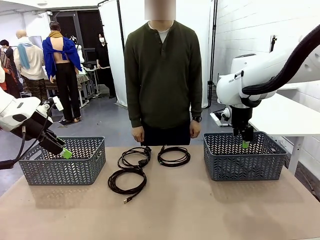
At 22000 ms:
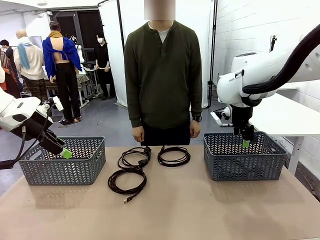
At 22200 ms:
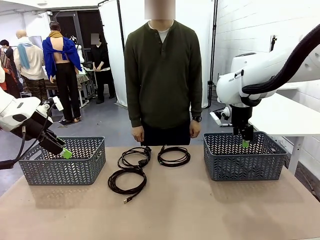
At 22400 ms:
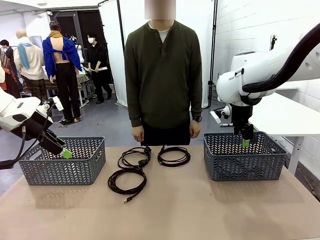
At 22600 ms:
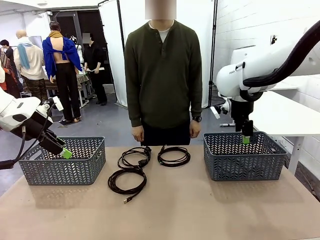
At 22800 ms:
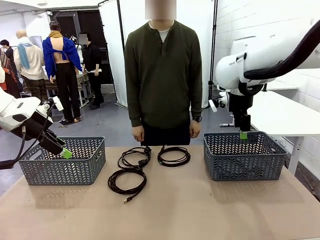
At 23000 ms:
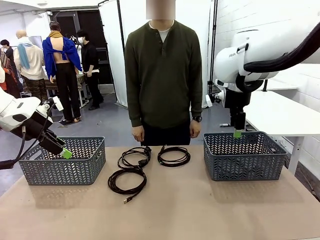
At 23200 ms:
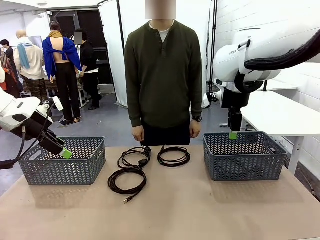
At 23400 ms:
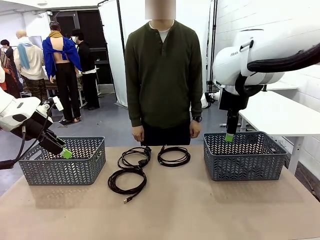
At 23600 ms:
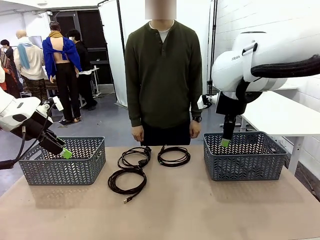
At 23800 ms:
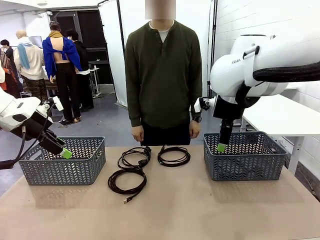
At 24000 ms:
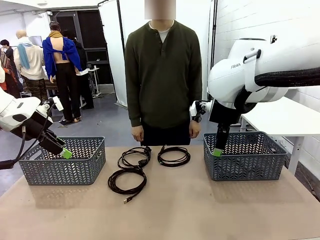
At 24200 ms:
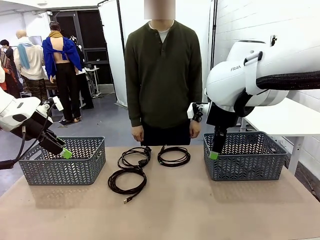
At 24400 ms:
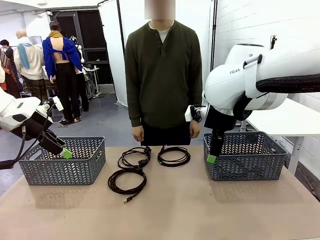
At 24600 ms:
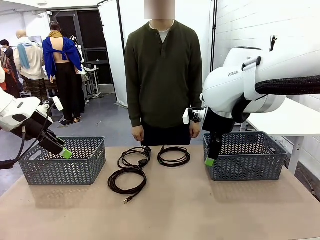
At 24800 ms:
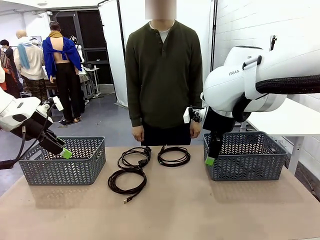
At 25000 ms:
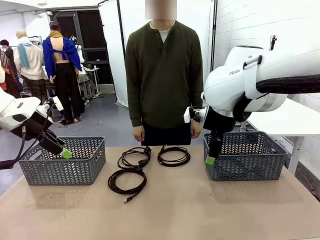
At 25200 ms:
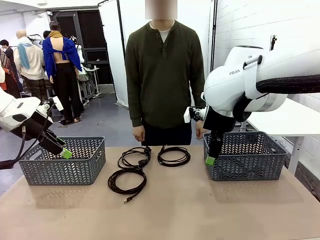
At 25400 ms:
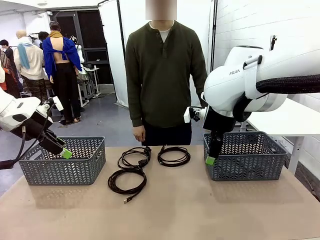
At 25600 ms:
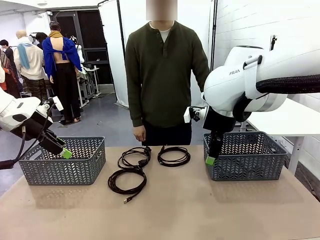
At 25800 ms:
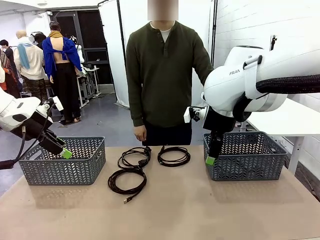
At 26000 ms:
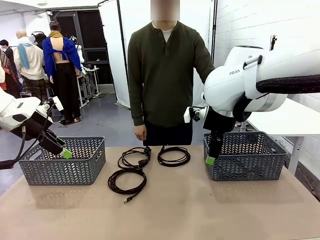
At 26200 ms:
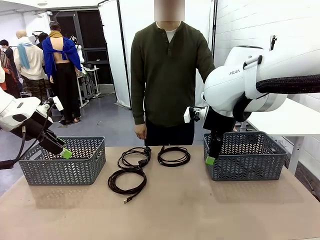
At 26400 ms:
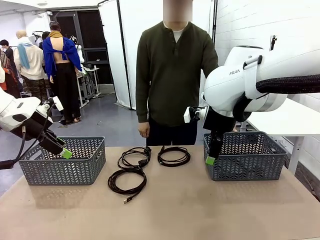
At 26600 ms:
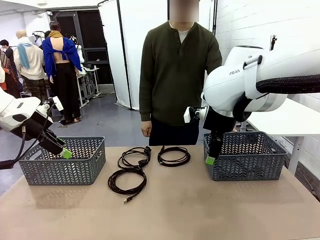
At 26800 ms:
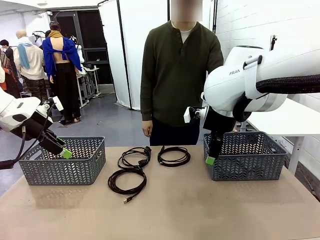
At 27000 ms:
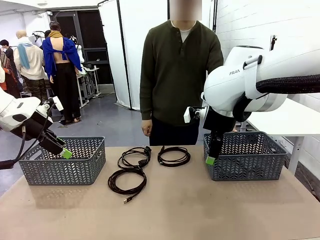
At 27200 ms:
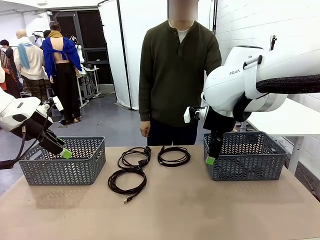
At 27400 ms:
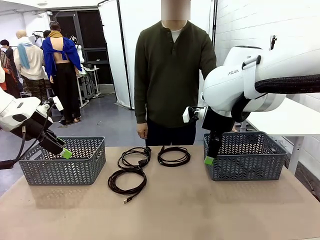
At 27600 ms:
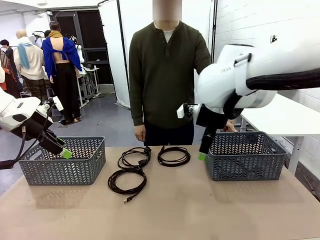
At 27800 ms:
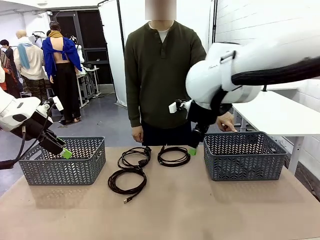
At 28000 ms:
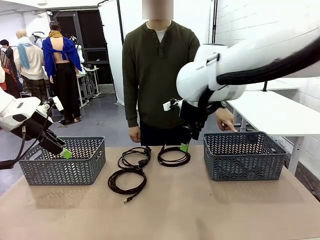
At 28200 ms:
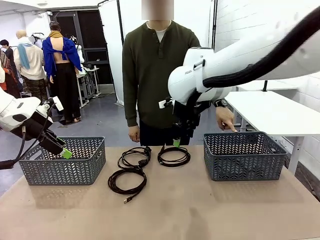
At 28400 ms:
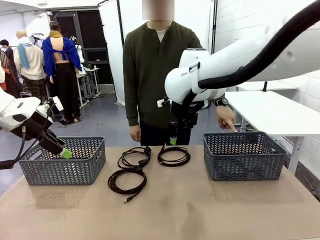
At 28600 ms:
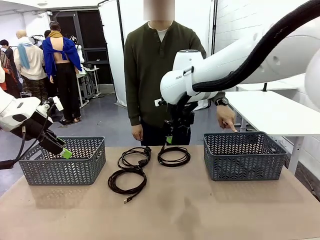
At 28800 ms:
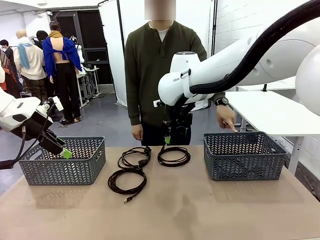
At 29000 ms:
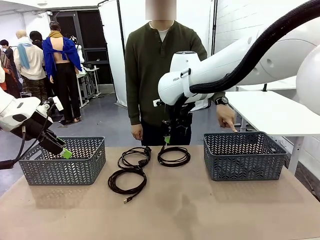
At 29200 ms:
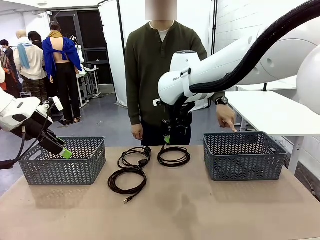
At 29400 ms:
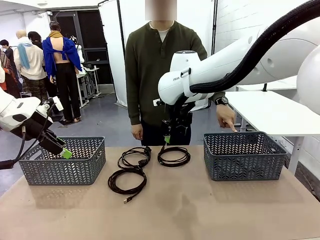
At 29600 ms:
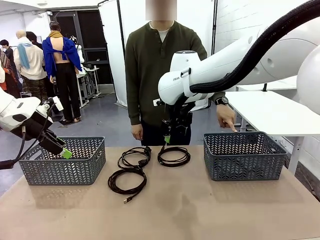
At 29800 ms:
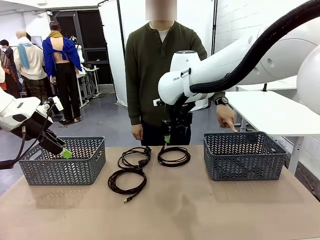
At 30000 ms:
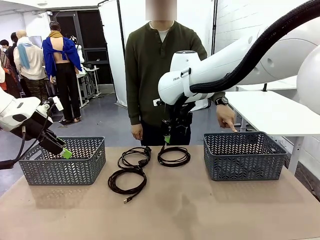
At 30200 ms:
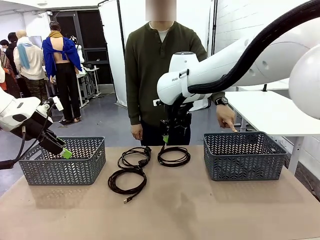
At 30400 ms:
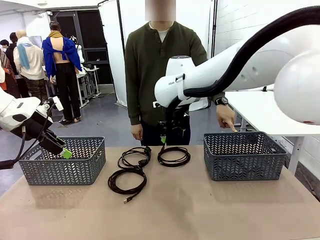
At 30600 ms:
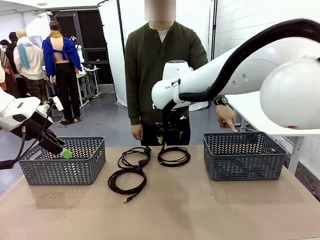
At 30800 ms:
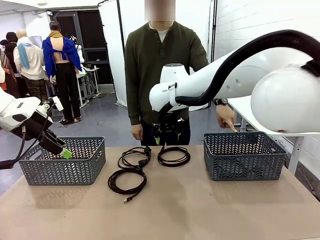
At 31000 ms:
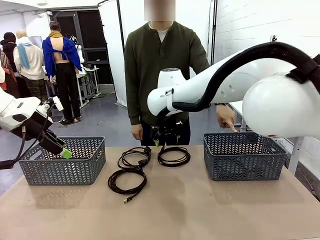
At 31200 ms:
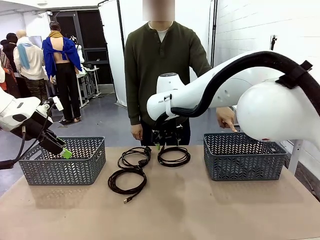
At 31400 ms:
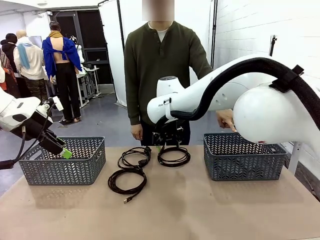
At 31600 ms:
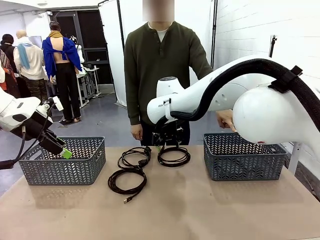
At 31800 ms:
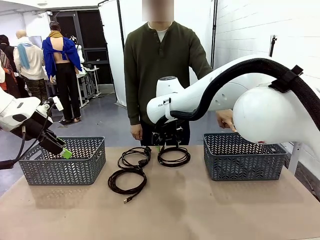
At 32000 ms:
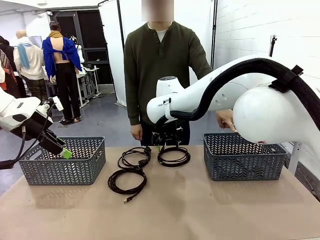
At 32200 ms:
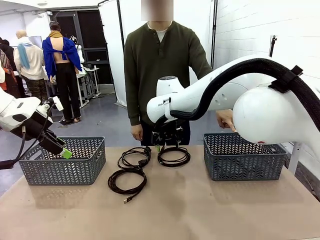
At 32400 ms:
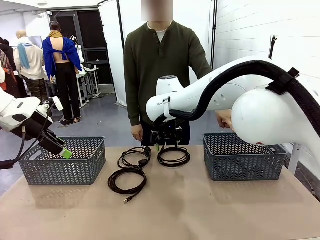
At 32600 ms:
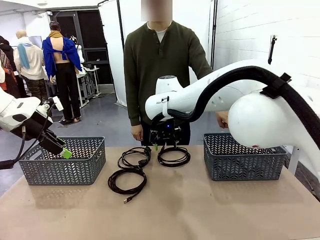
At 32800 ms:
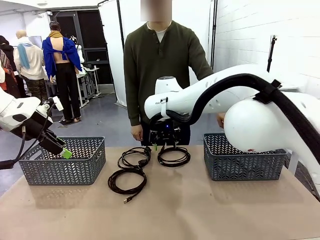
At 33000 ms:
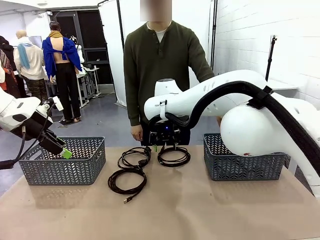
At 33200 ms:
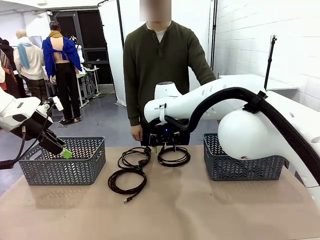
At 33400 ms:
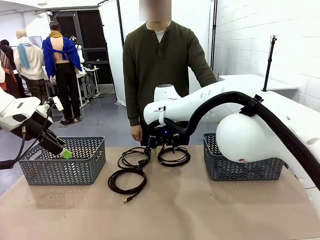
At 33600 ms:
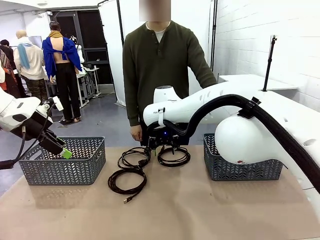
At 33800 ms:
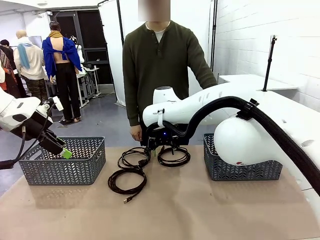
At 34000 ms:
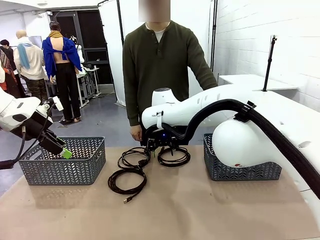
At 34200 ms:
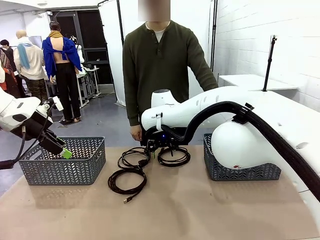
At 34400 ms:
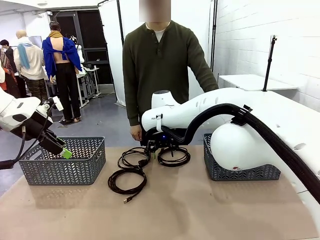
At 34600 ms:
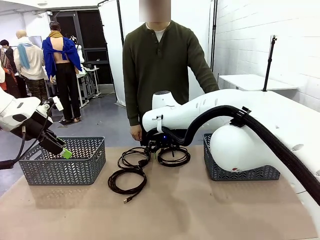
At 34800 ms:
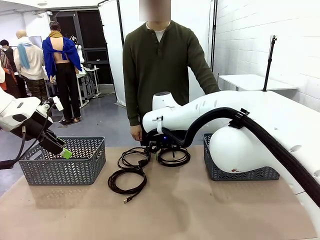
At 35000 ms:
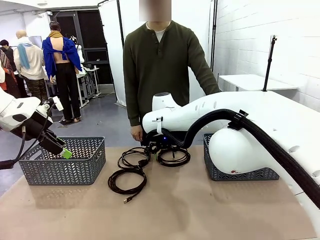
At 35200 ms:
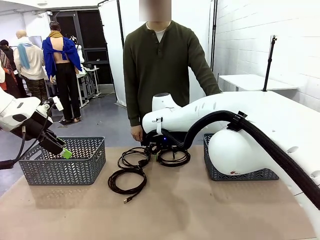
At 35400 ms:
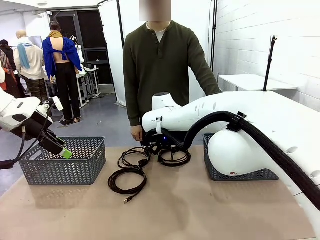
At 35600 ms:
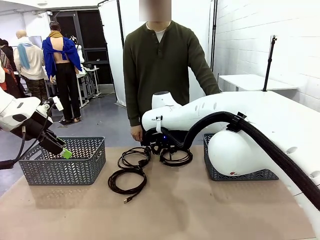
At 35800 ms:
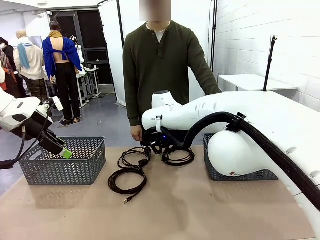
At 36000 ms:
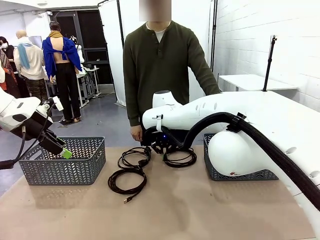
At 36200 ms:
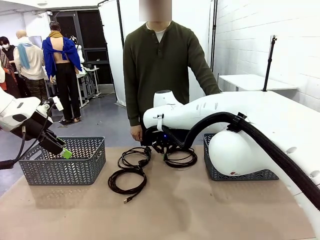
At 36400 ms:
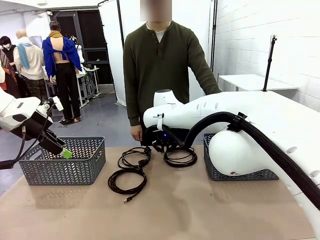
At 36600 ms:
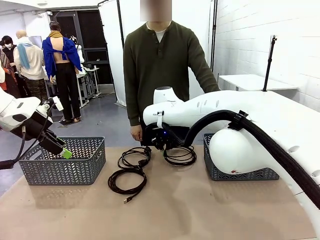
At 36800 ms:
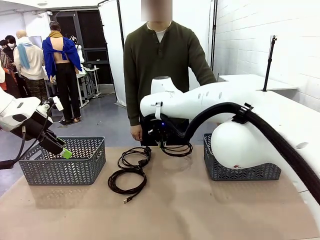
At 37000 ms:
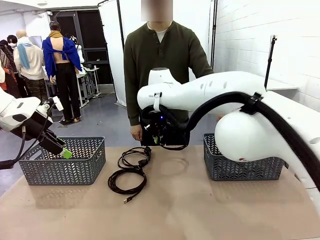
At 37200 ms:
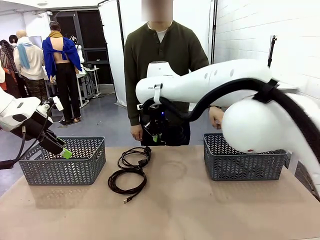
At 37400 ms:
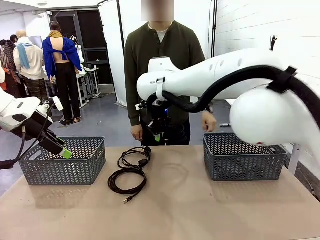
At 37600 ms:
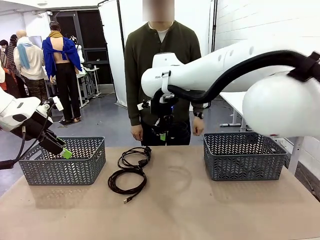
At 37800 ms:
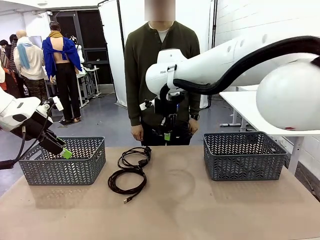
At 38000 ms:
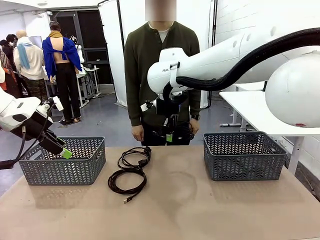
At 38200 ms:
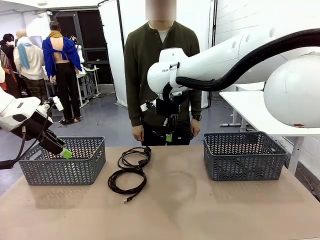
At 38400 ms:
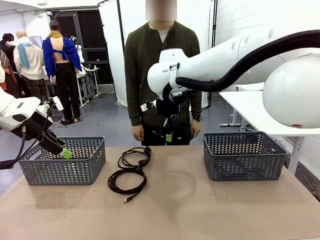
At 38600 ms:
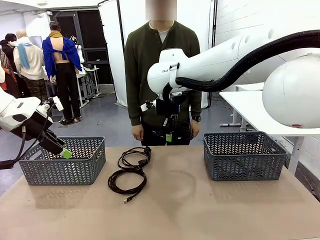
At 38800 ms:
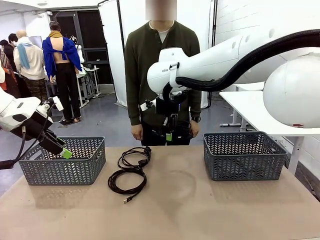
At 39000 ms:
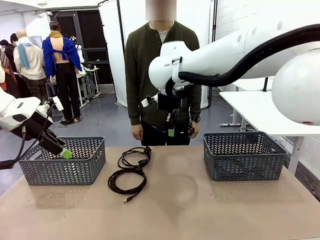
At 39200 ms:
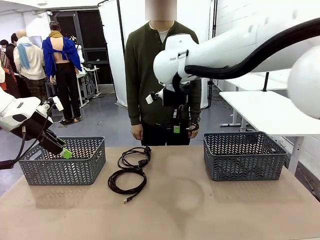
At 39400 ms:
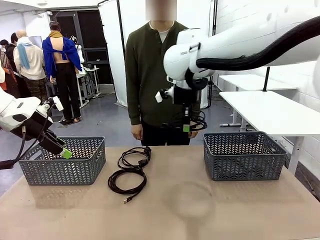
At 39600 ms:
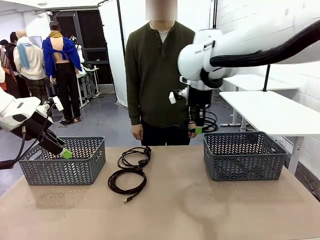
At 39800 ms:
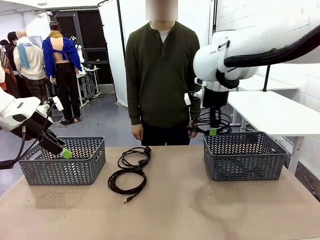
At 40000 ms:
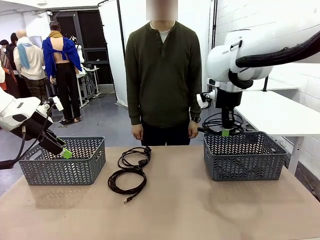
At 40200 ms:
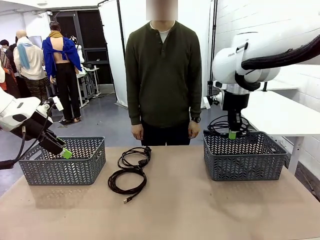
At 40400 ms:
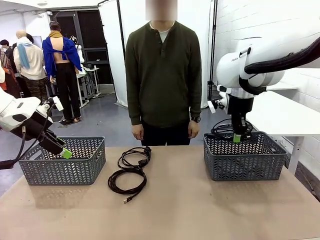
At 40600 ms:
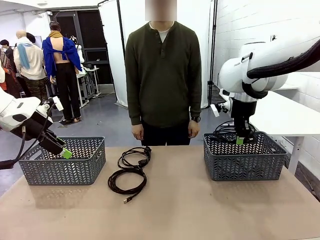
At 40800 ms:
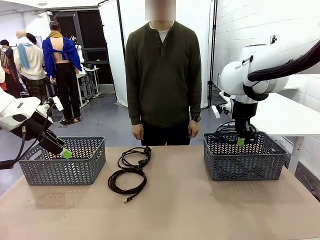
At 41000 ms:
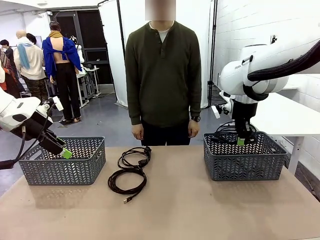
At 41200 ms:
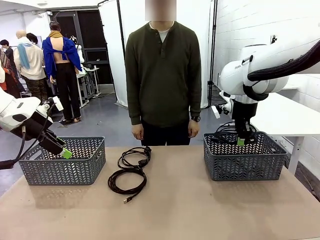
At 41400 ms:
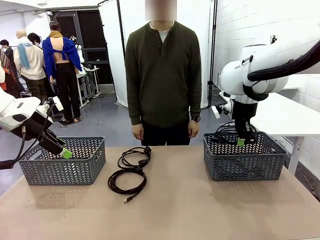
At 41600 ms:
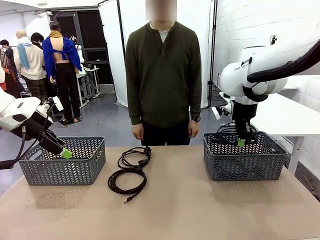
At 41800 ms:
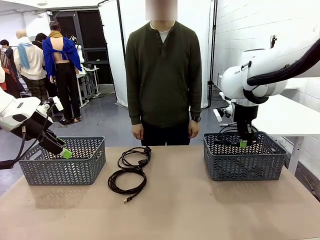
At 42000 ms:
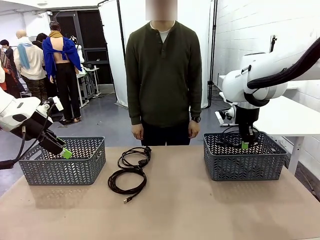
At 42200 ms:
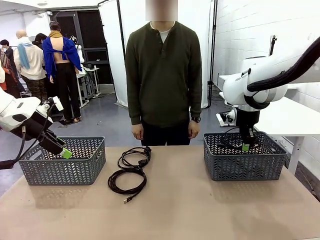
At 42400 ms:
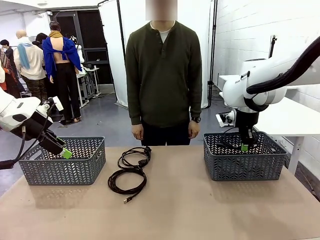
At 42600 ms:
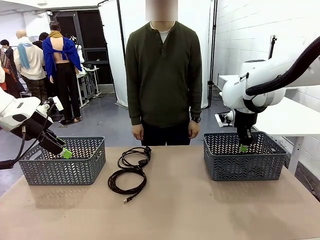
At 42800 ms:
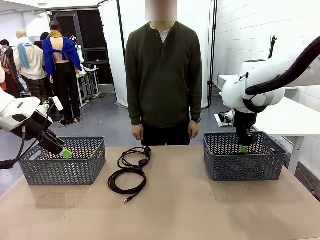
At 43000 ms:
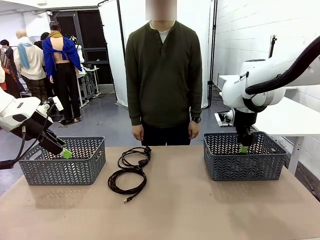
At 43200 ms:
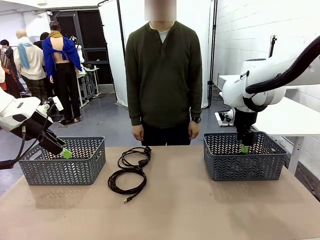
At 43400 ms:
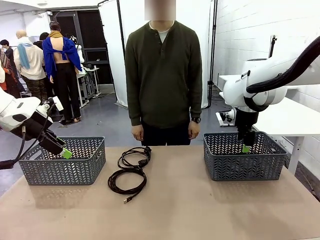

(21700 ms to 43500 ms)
Task: Organize the cables according to human instructions.
Robot: Pick up a bundle of cables and place it in the basket indicated by the human.
